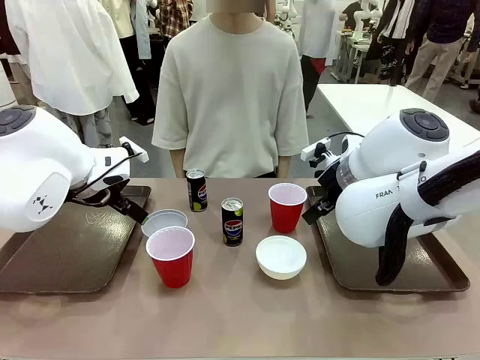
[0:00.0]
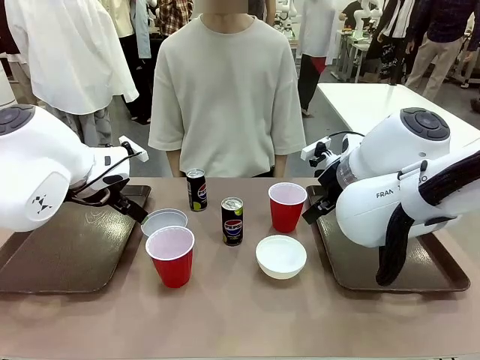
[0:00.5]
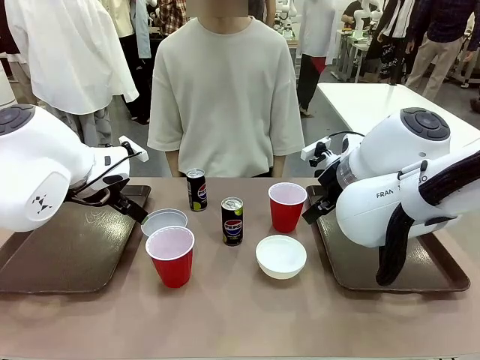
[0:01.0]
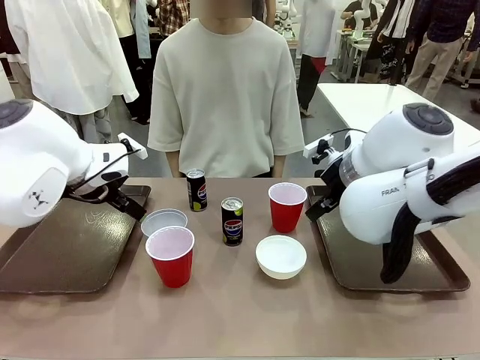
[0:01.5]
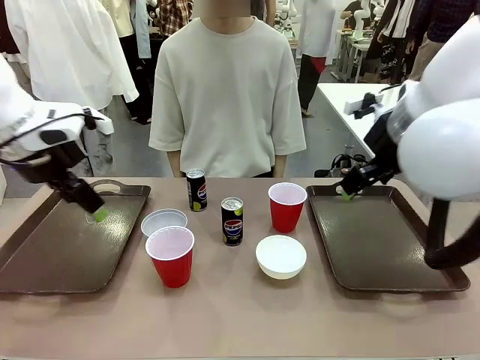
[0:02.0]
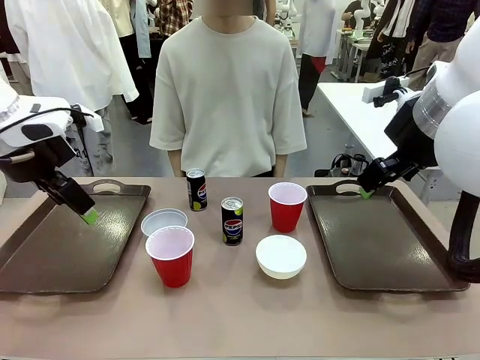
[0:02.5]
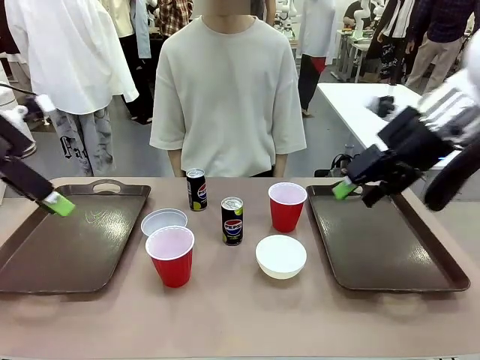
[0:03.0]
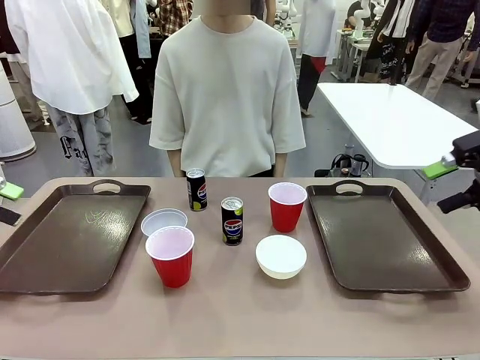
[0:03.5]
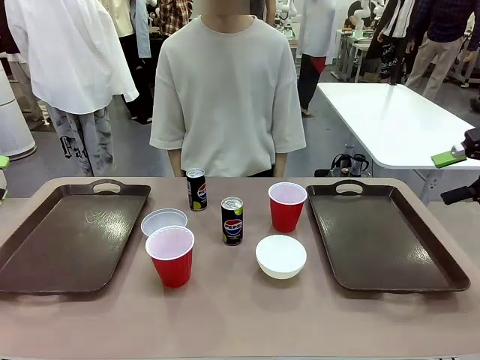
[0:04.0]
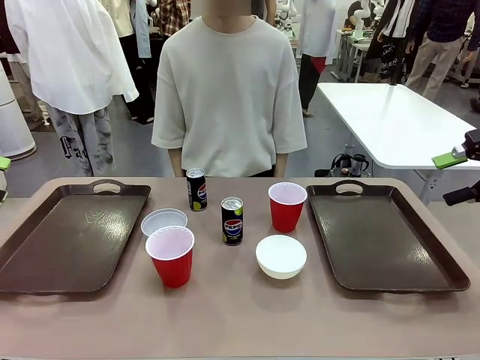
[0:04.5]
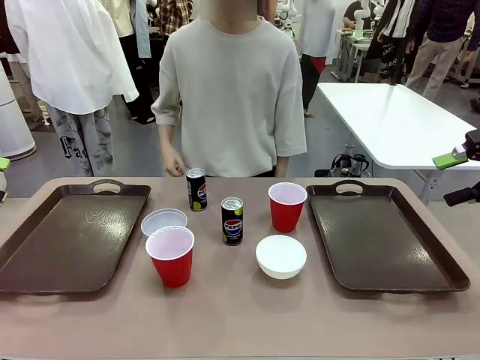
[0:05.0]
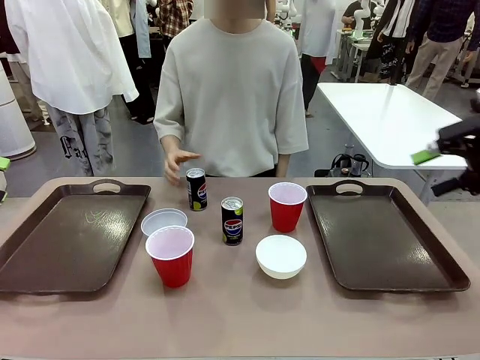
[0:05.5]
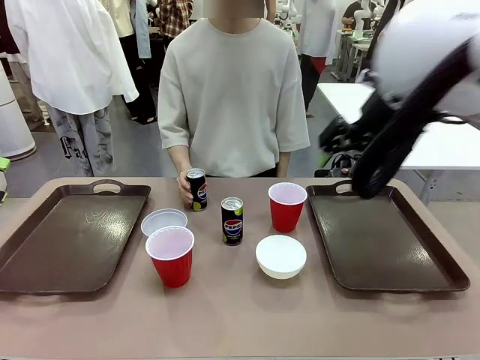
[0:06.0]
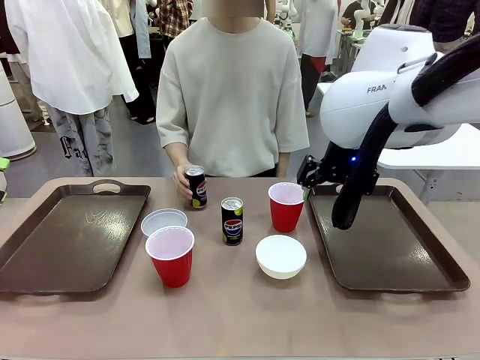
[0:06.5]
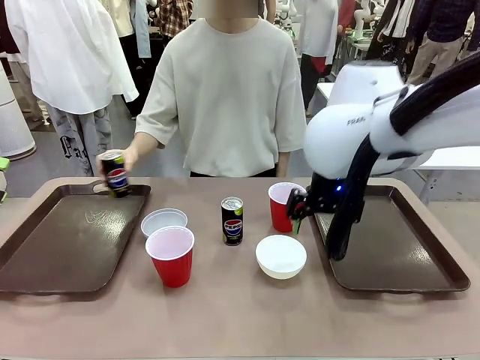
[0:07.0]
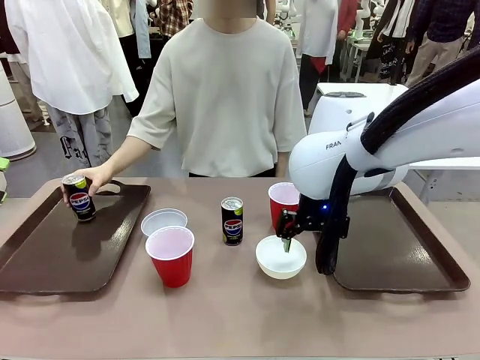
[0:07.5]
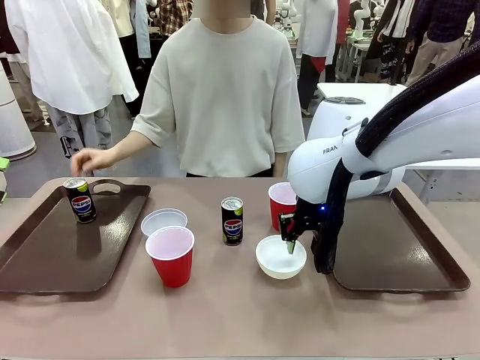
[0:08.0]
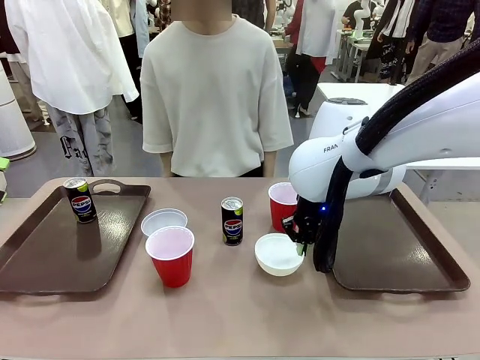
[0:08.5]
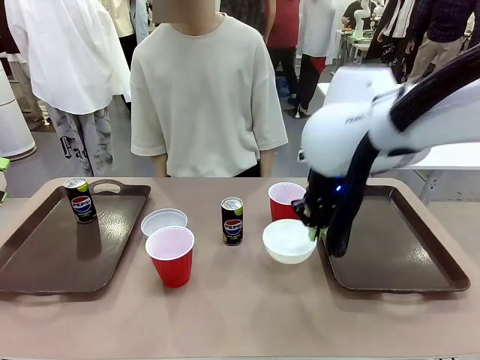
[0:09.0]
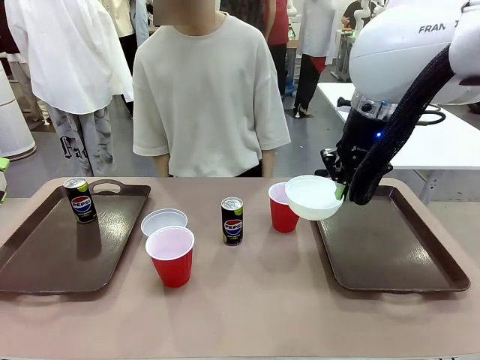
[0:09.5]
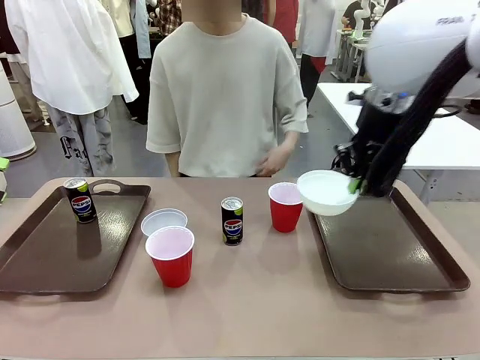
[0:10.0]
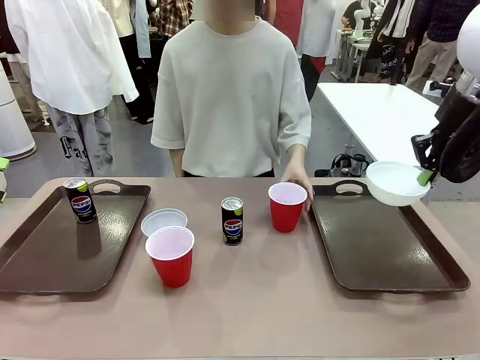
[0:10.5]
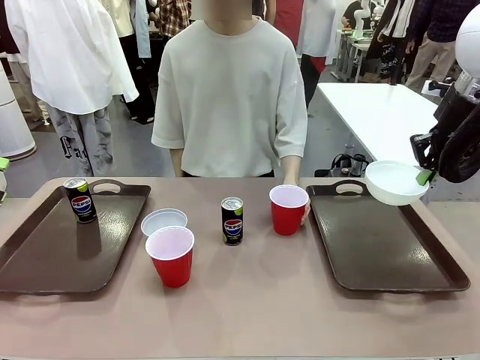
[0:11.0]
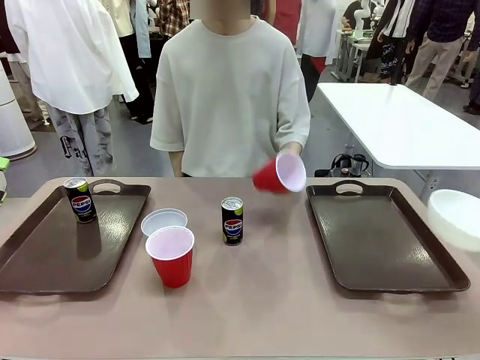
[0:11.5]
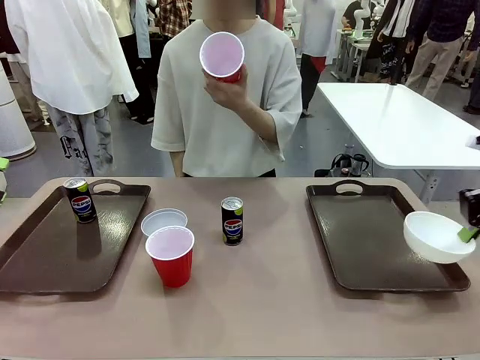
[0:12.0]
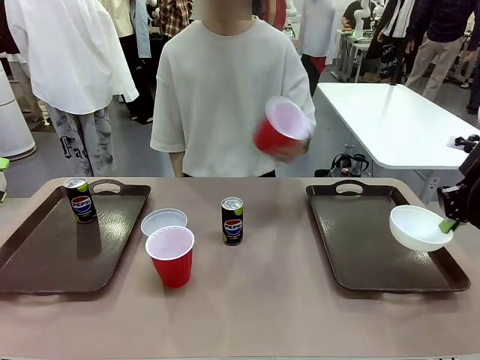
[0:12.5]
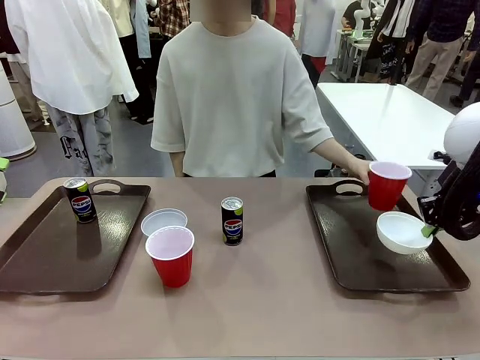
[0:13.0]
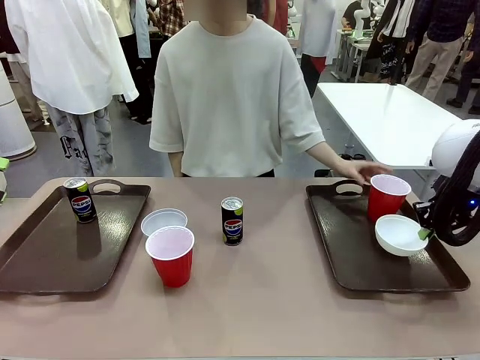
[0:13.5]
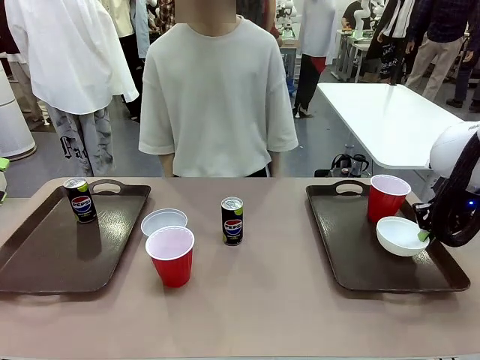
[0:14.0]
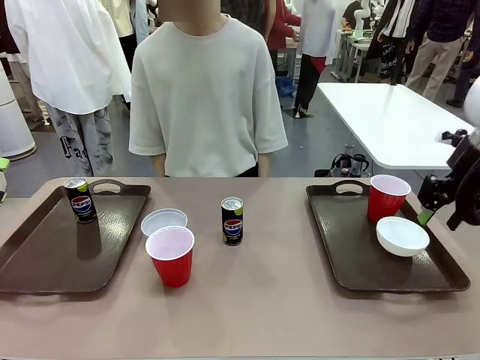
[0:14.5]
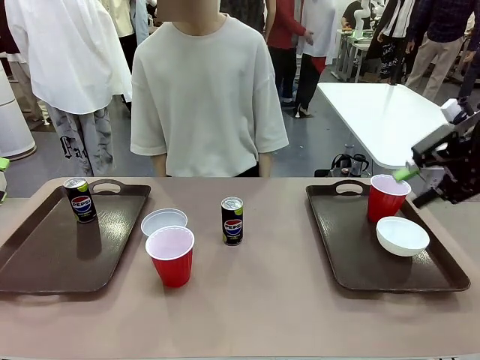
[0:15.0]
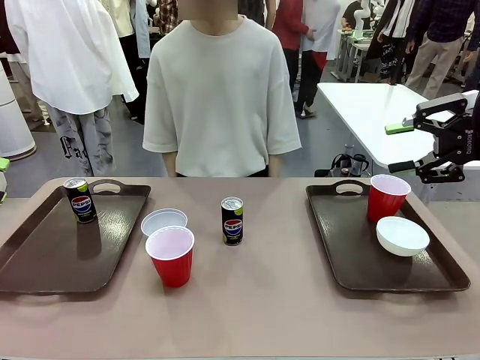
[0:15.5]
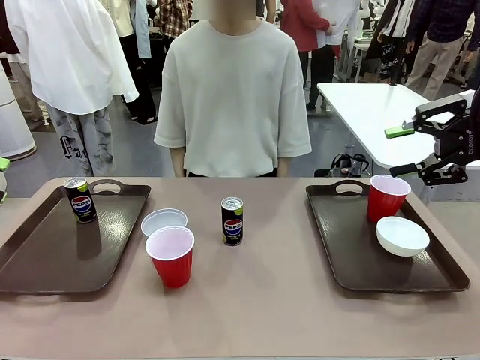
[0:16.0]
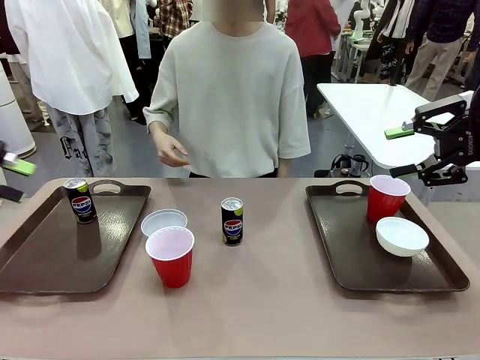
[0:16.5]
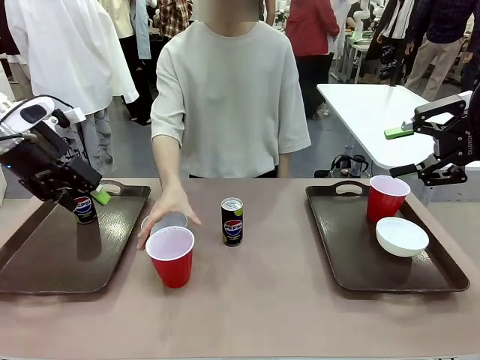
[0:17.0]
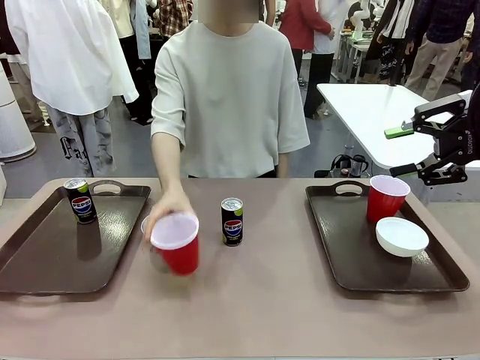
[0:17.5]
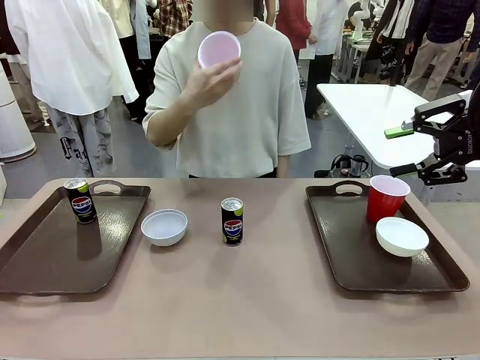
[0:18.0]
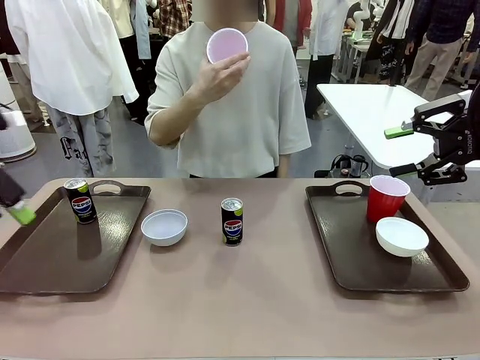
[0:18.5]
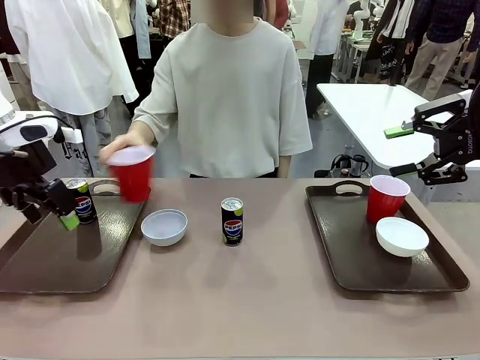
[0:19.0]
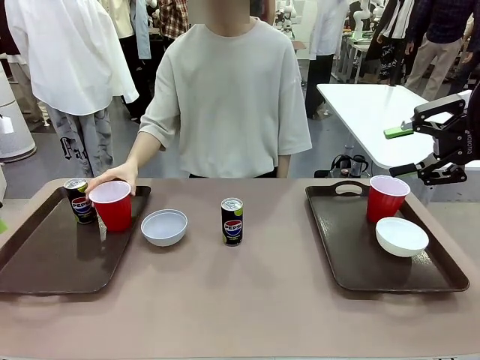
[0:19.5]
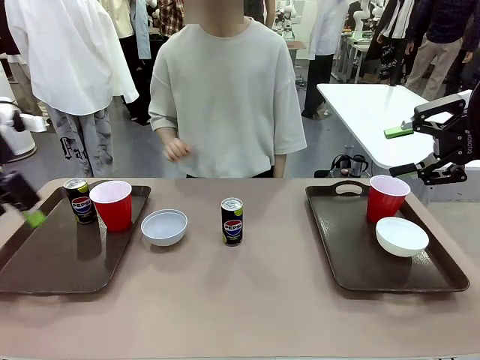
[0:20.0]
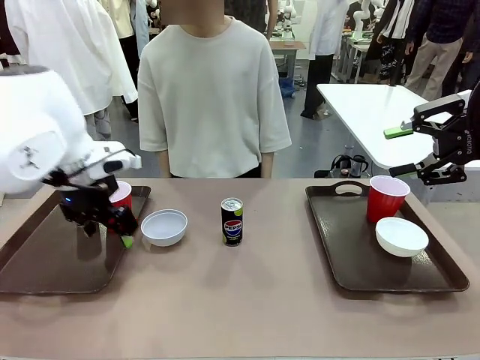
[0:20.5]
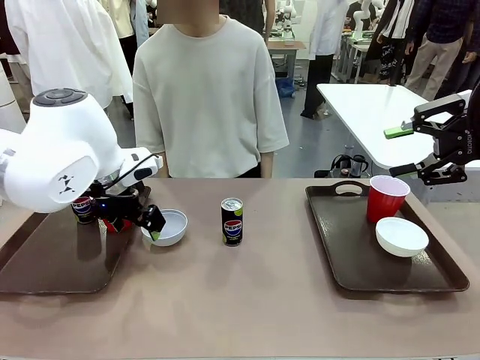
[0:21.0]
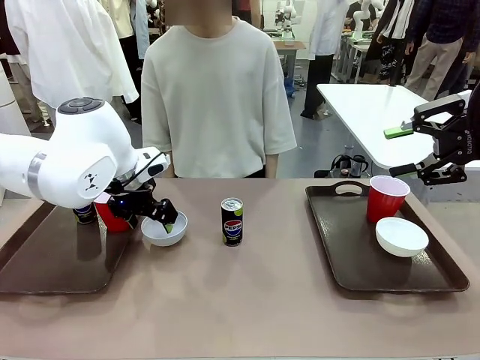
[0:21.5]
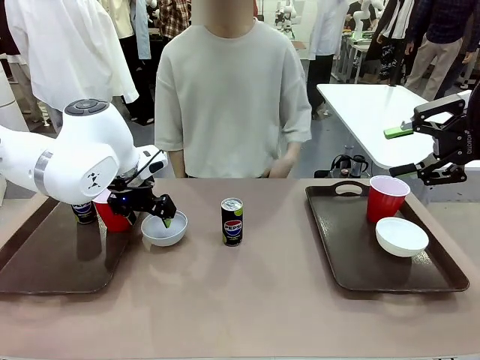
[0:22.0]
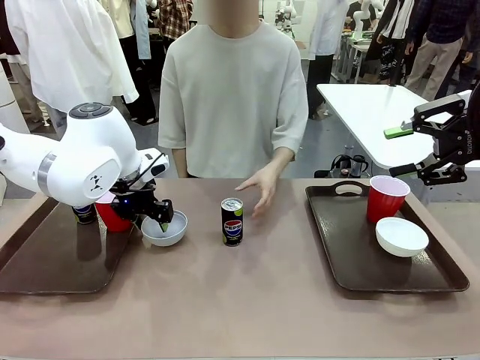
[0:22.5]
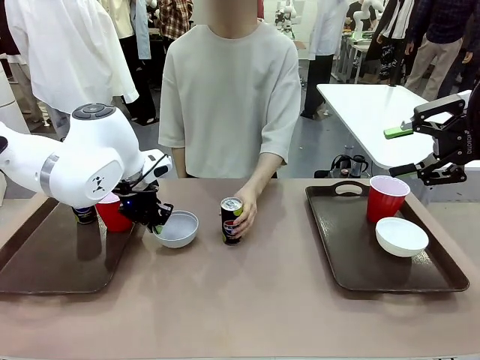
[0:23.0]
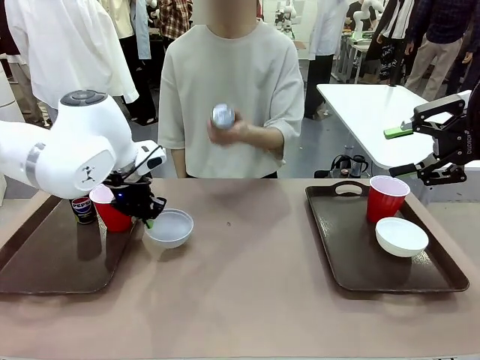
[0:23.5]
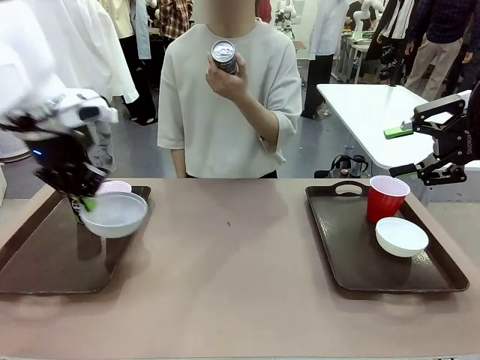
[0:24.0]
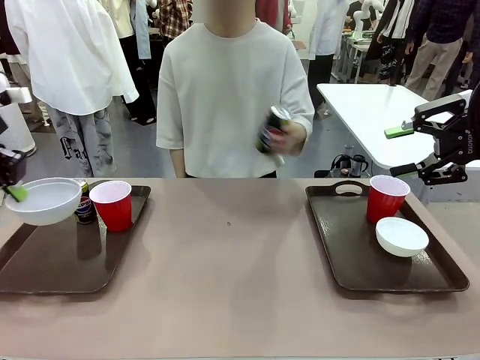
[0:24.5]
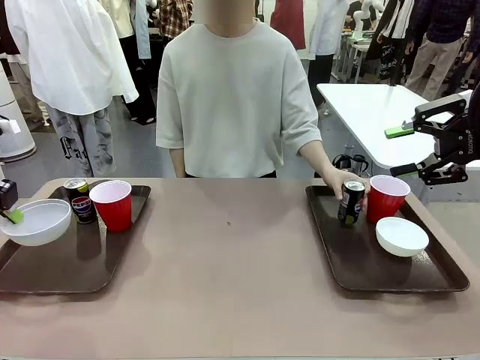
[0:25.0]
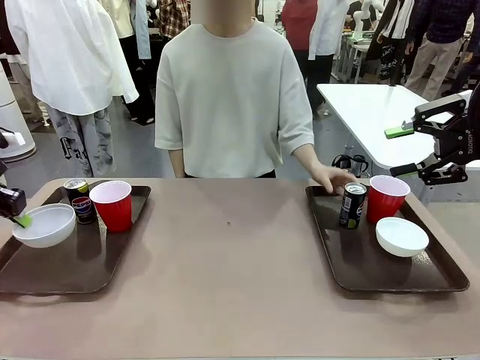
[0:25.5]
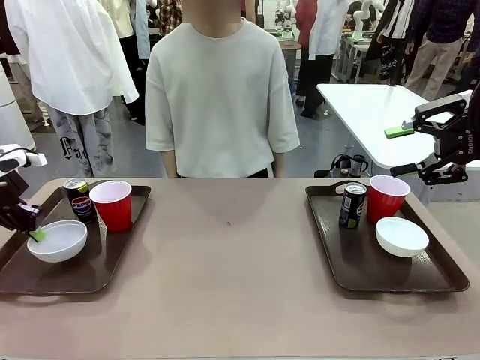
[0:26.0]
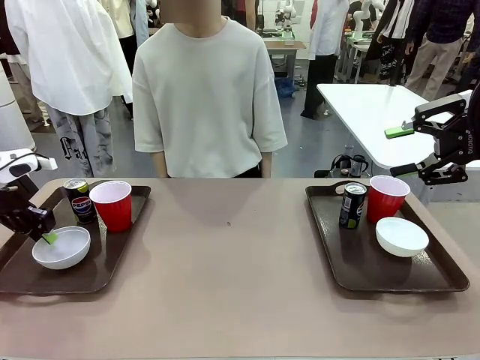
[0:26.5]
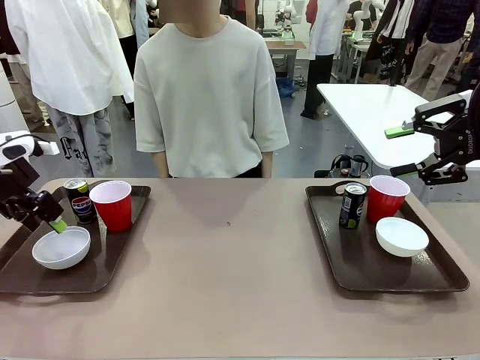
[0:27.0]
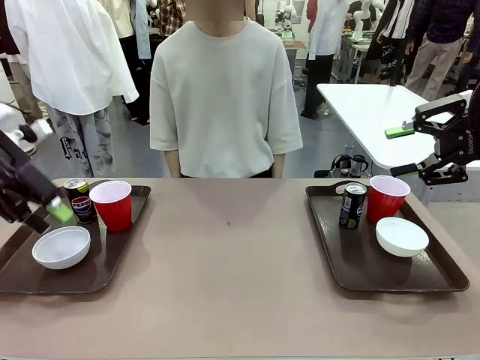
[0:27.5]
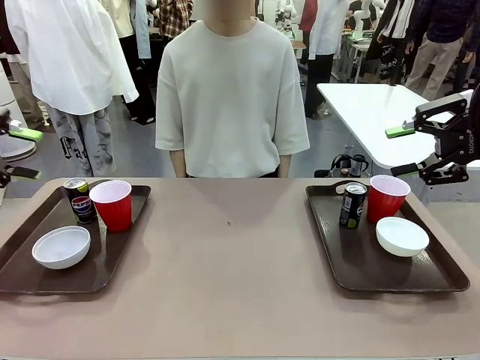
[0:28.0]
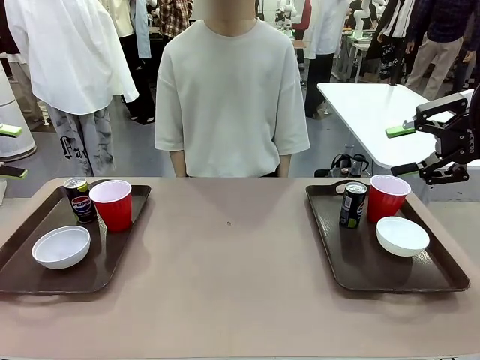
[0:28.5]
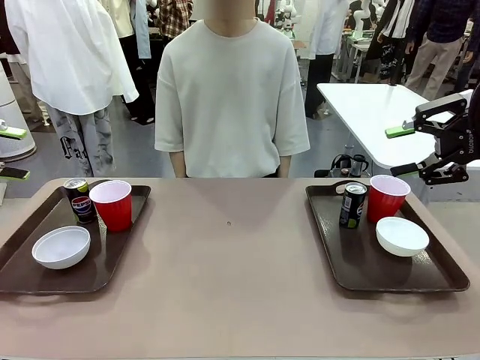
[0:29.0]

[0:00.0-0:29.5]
Task: Prepare tableware on both trays.
Robot: Pick up a Picnic Bowl from the table and place it on a Handle tray.
Person: Pick up a can or cup and place it on the tray. Pick up a can or cup and place it on the tray without a can or cup.
